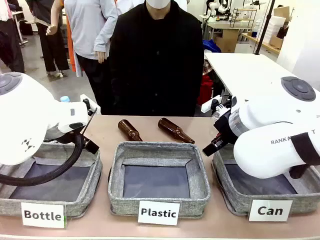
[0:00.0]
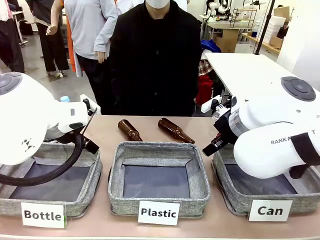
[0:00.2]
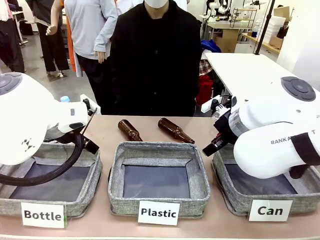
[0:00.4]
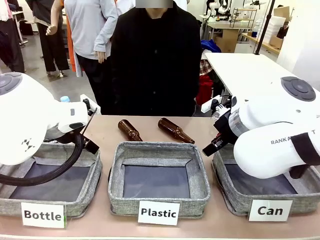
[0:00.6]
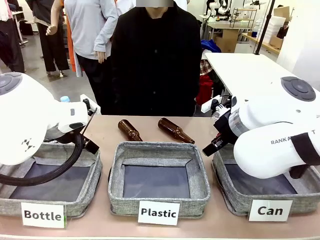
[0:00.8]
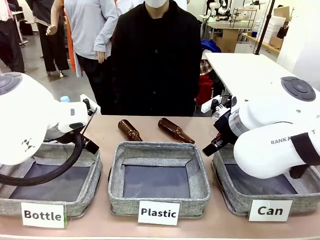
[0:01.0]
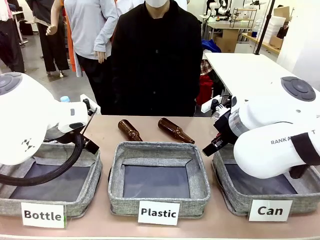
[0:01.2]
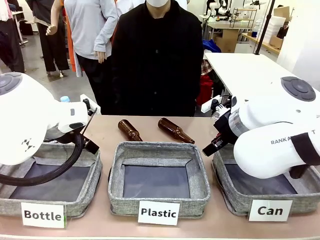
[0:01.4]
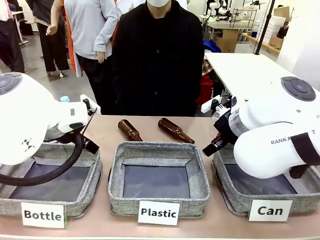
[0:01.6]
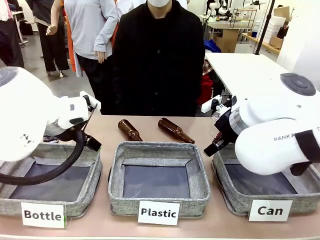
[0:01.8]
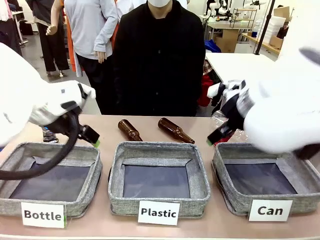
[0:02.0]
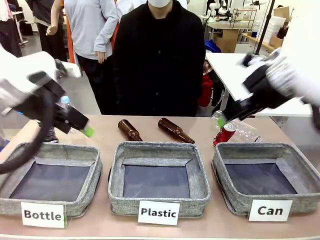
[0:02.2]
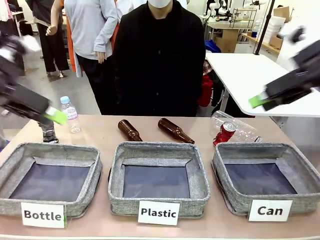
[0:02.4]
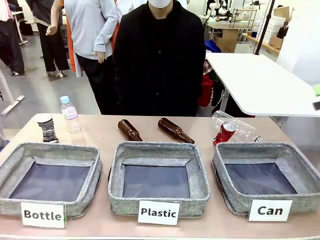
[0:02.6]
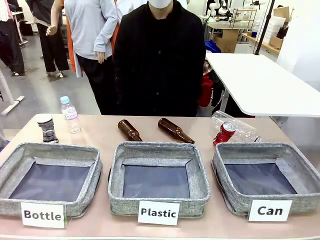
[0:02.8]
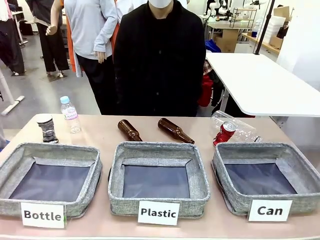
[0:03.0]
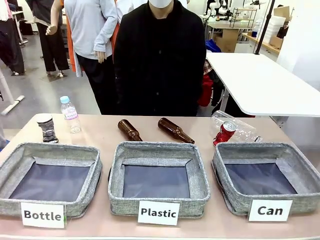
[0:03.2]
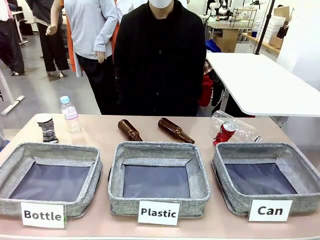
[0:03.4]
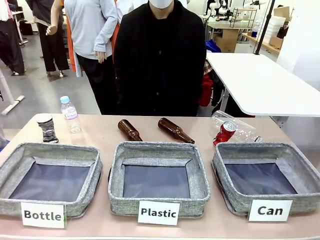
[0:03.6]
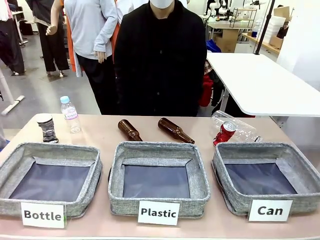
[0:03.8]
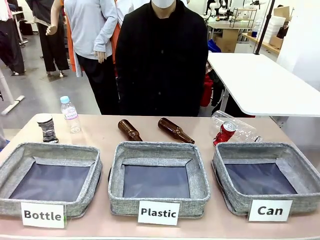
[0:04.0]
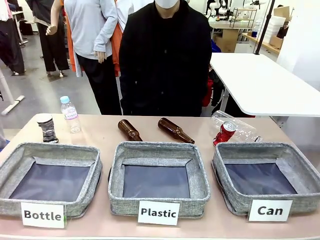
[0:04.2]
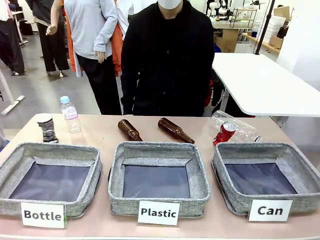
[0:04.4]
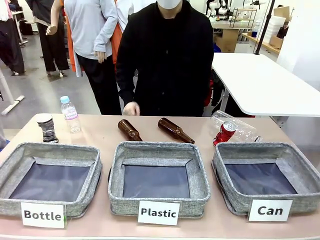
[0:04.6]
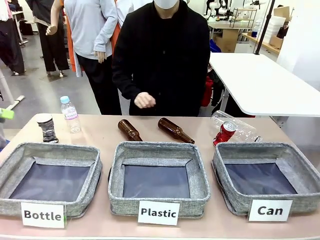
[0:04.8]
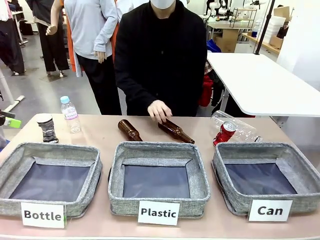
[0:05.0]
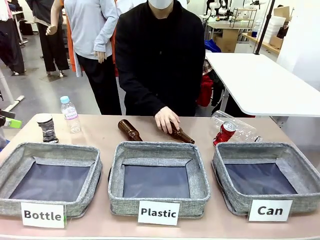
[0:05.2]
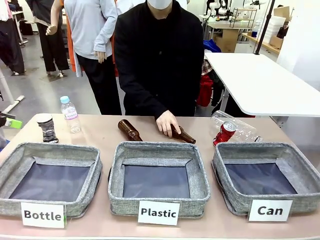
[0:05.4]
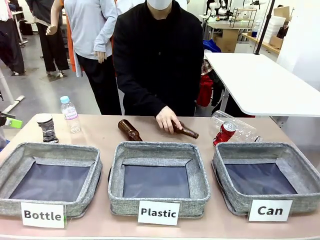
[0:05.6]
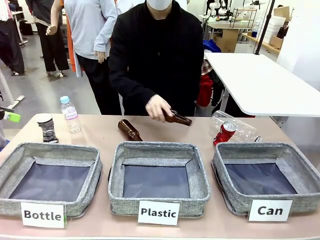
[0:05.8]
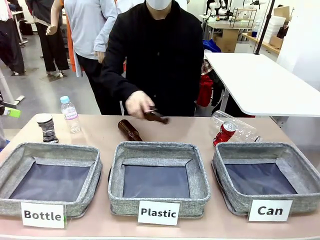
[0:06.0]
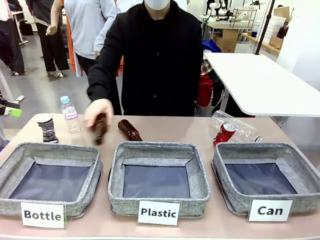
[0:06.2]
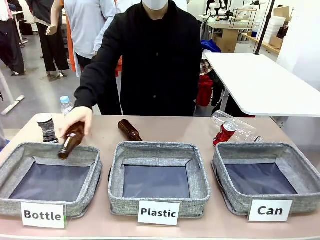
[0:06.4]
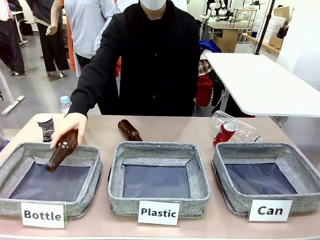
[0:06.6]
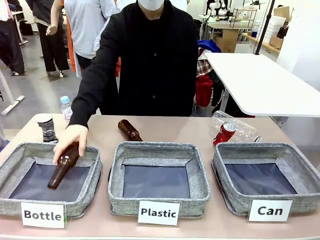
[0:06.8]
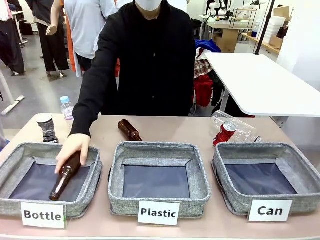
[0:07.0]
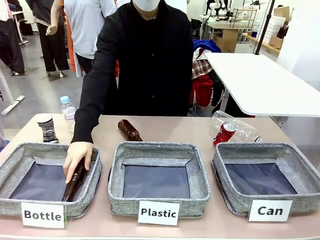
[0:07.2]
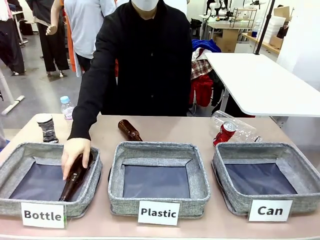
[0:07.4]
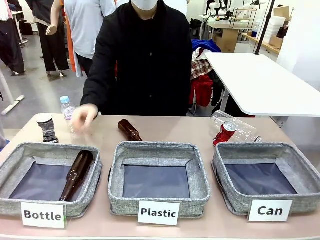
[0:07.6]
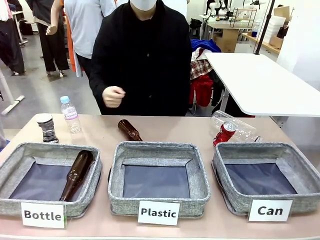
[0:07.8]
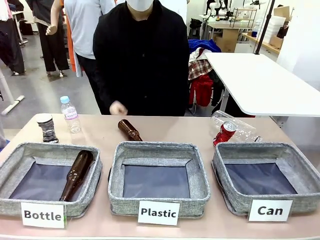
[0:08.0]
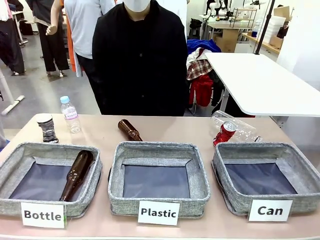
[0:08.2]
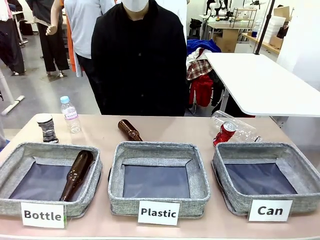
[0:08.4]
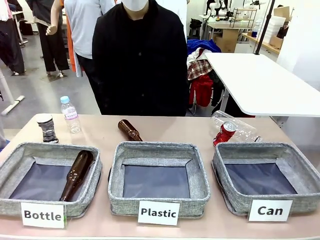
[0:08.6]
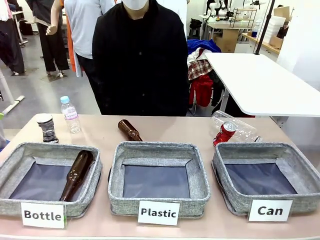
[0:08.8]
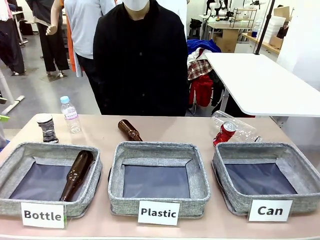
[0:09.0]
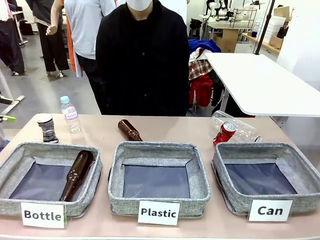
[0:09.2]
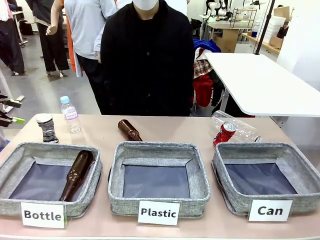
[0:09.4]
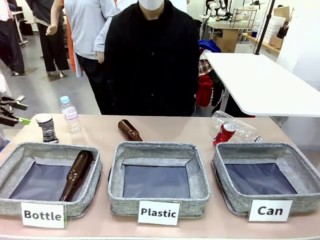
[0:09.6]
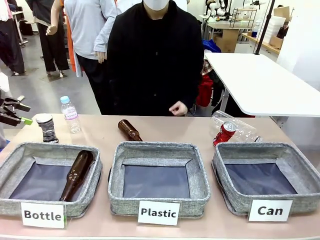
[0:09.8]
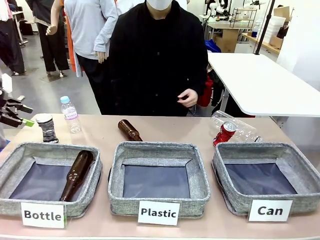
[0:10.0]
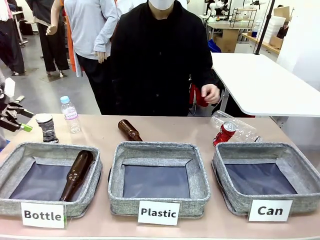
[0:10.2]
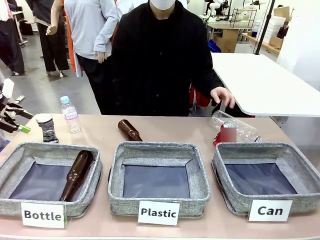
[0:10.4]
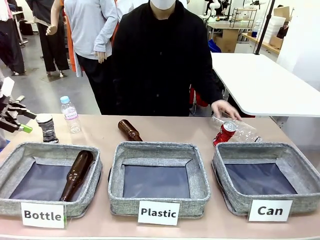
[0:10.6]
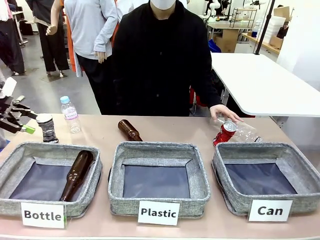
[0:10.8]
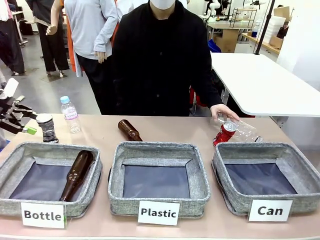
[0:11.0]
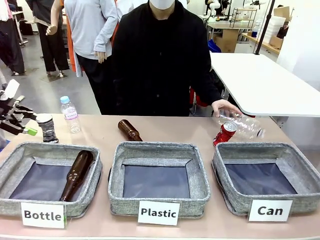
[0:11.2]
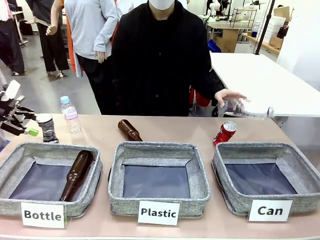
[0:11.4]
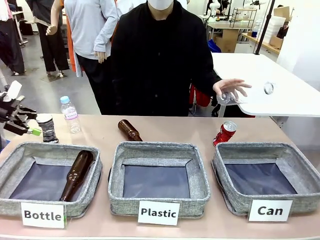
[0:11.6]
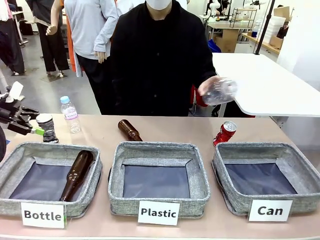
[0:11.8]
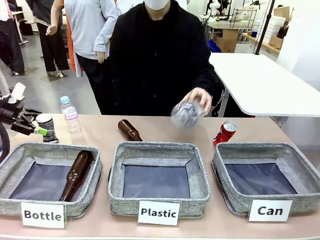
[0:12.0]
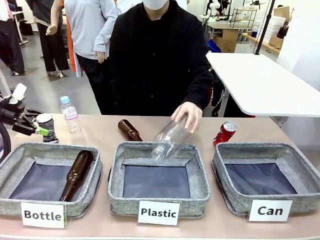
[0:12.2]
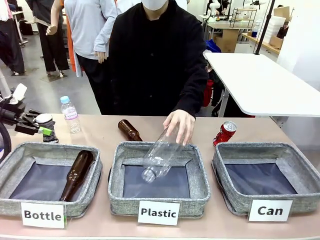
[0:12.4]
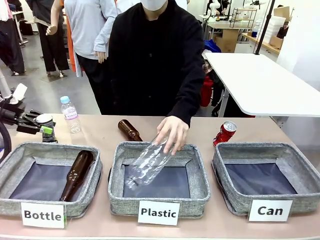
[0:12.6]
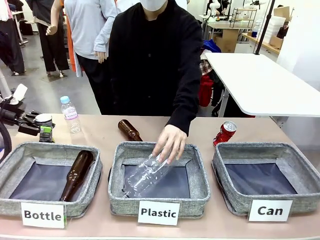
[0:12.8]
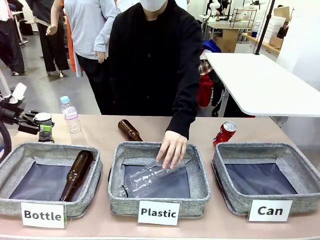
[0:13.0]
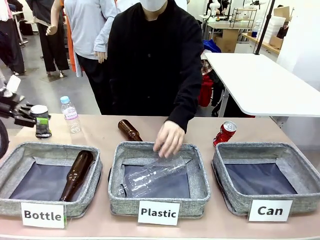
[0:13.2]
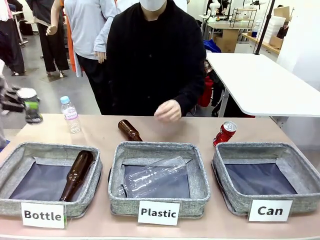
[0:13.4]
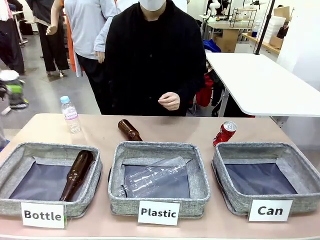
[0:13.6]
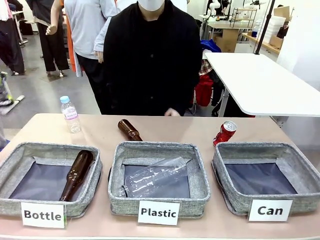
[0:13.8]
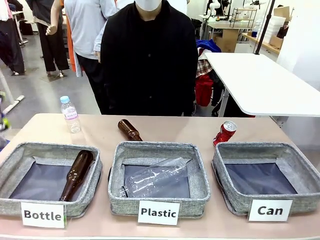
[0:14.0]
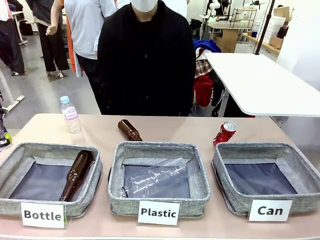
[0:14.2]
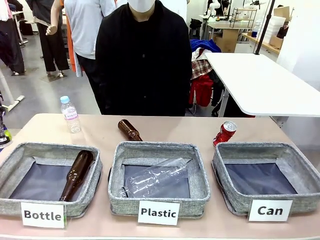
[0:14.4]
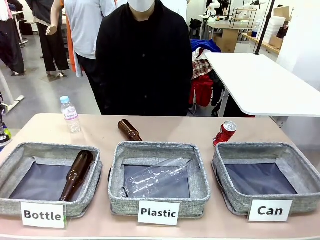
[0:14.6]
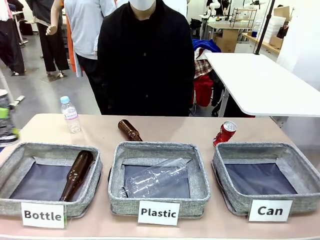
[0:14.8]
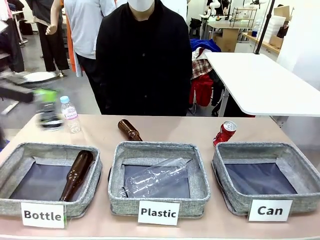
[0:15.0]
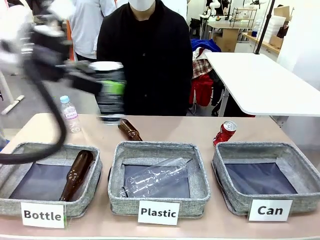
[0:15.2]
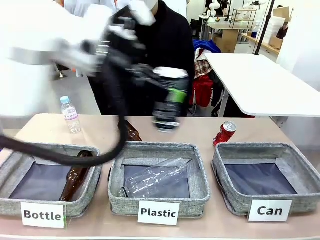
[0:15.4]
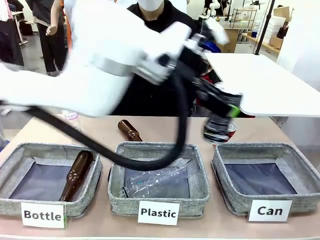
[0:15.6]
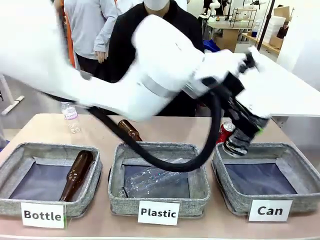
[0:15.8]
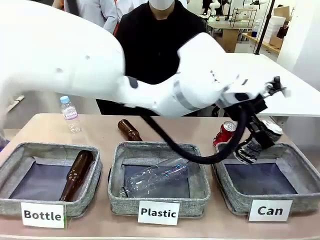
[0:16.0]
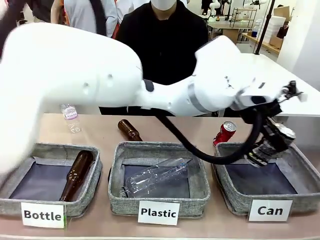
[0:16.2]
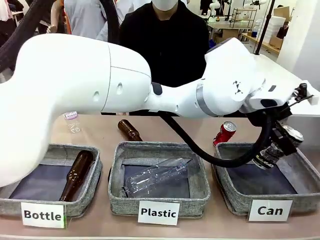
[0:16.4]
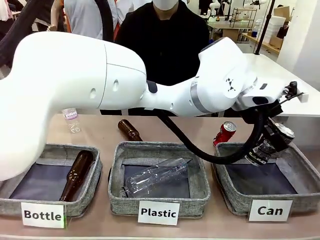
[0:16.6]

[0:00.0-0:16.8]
Task: Sort the can waste into the basket.
Robot: Pick up the can waste from the table and place it in the right Fabric basket.
